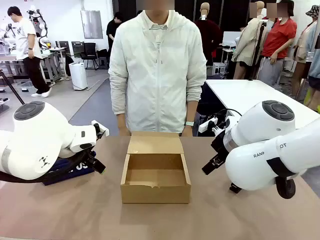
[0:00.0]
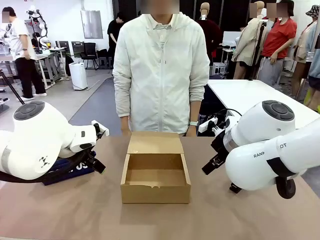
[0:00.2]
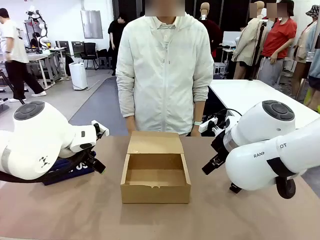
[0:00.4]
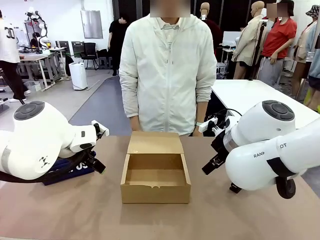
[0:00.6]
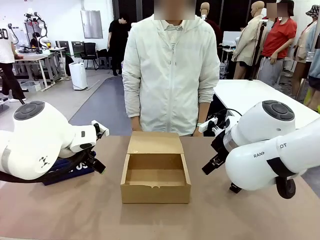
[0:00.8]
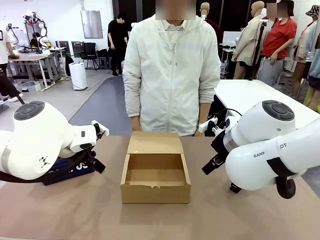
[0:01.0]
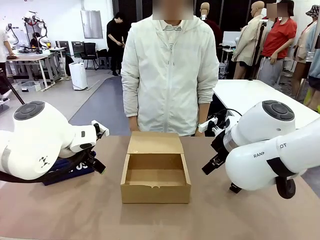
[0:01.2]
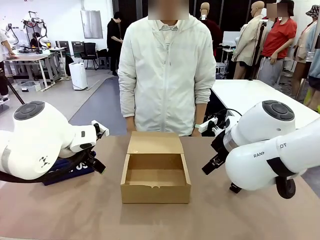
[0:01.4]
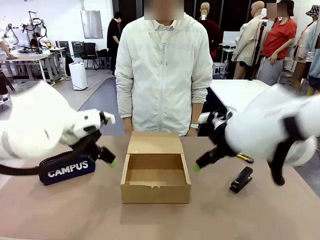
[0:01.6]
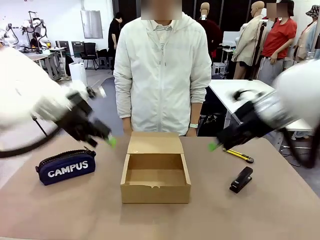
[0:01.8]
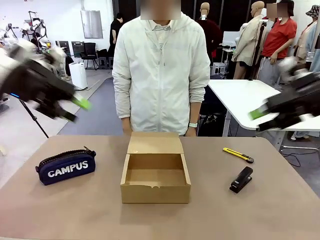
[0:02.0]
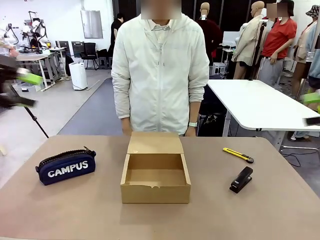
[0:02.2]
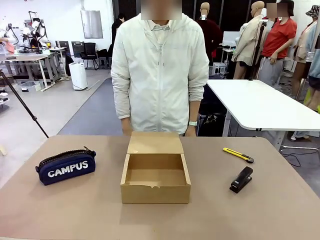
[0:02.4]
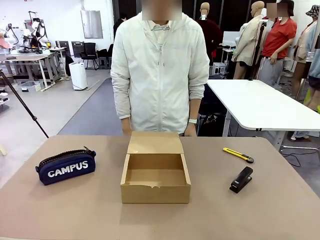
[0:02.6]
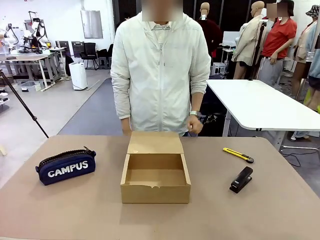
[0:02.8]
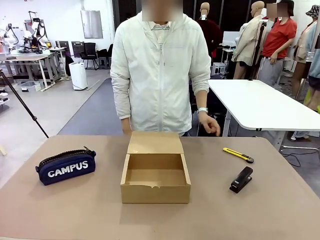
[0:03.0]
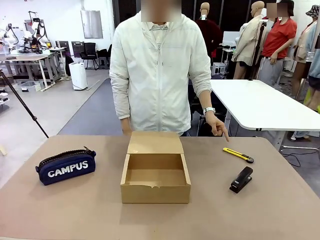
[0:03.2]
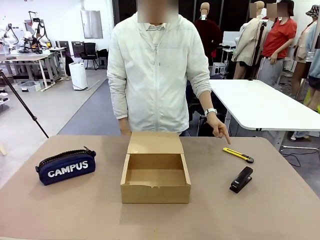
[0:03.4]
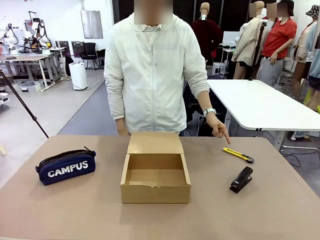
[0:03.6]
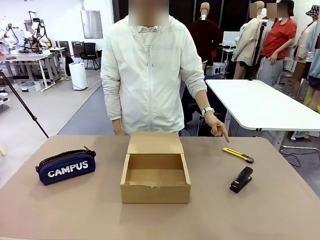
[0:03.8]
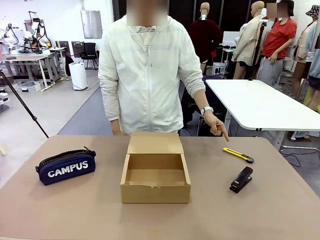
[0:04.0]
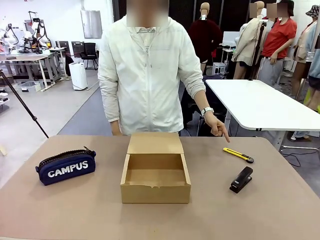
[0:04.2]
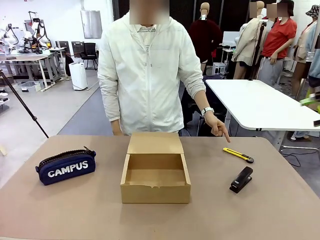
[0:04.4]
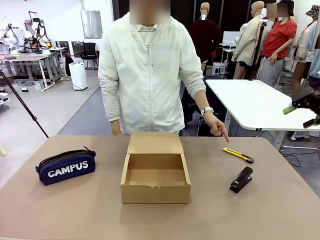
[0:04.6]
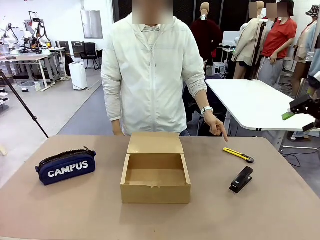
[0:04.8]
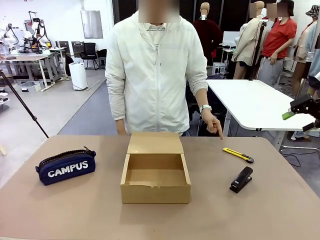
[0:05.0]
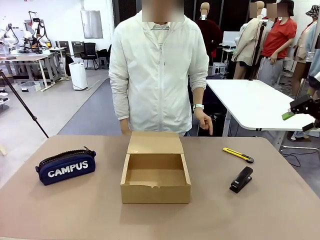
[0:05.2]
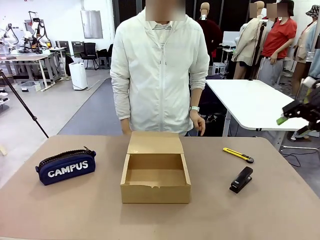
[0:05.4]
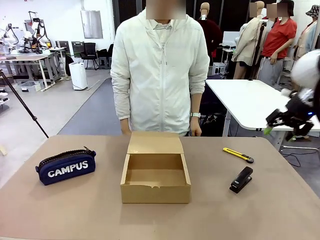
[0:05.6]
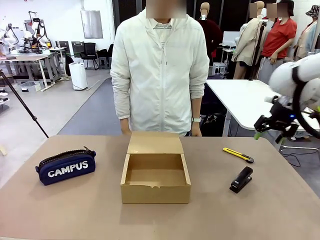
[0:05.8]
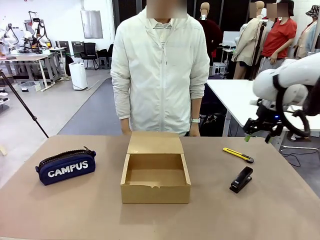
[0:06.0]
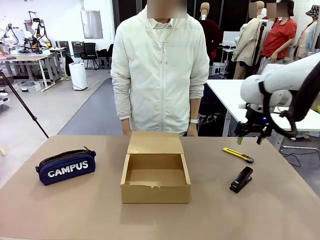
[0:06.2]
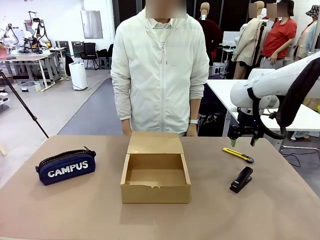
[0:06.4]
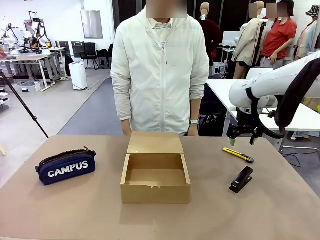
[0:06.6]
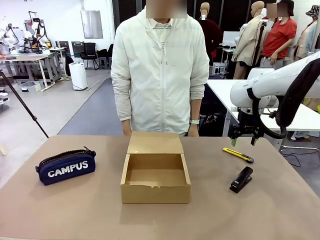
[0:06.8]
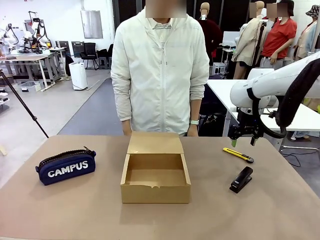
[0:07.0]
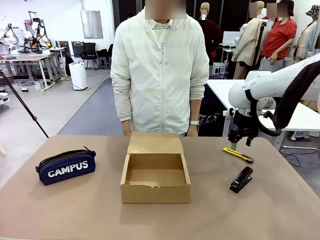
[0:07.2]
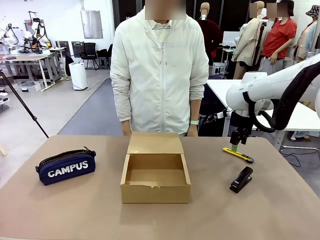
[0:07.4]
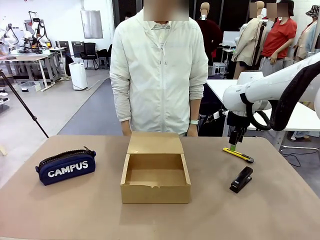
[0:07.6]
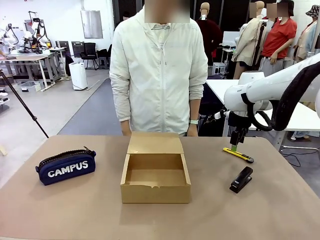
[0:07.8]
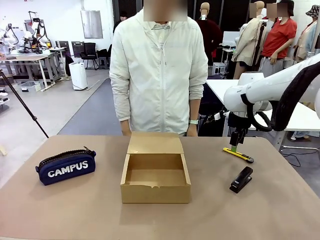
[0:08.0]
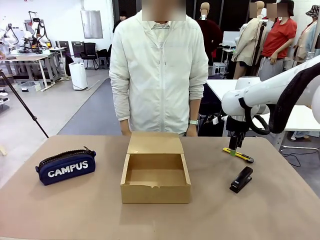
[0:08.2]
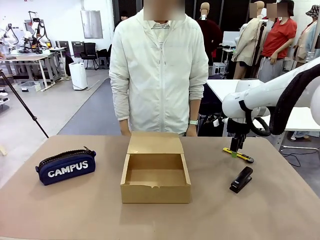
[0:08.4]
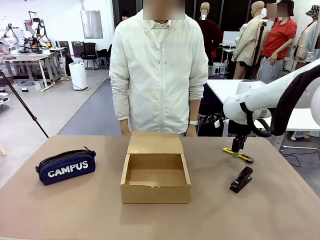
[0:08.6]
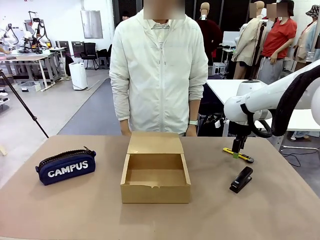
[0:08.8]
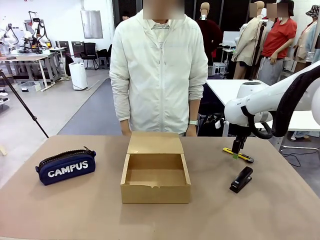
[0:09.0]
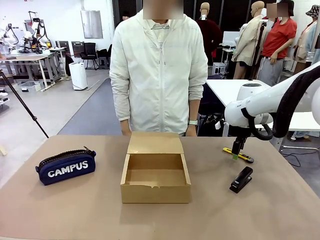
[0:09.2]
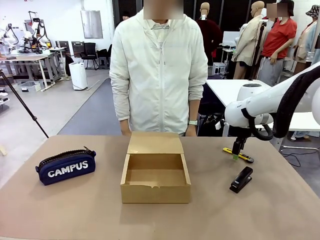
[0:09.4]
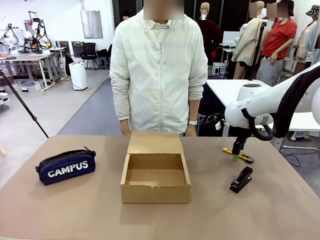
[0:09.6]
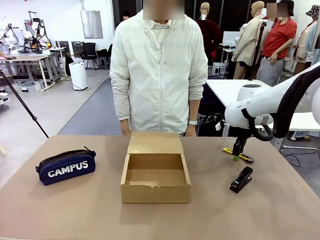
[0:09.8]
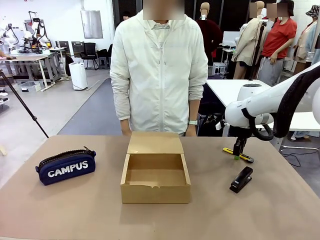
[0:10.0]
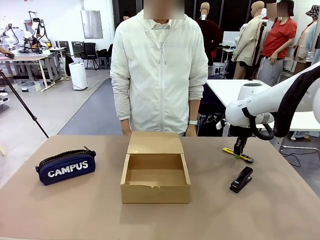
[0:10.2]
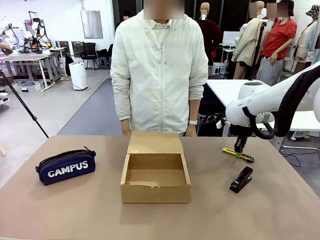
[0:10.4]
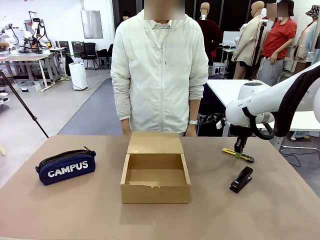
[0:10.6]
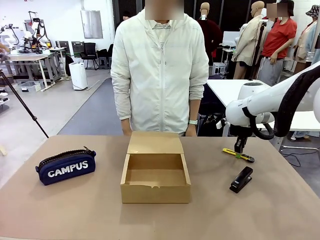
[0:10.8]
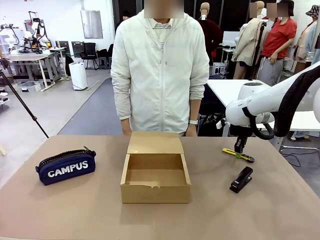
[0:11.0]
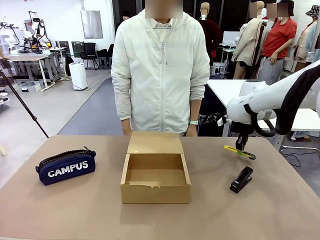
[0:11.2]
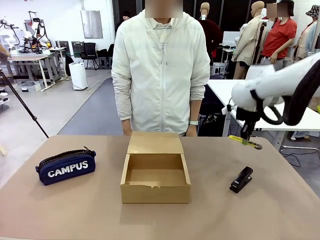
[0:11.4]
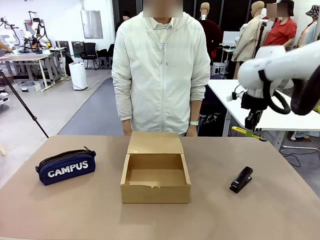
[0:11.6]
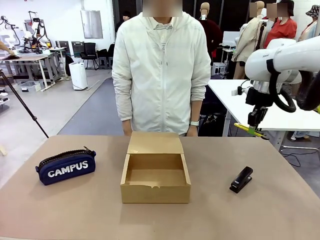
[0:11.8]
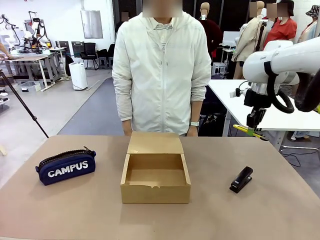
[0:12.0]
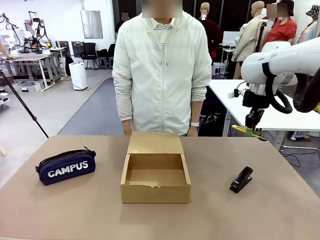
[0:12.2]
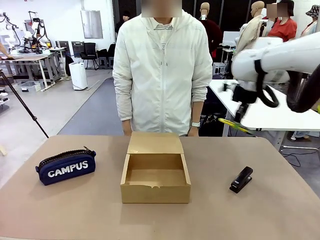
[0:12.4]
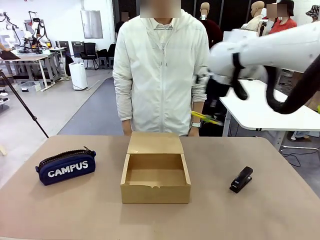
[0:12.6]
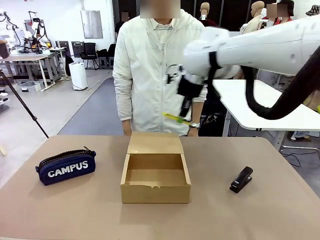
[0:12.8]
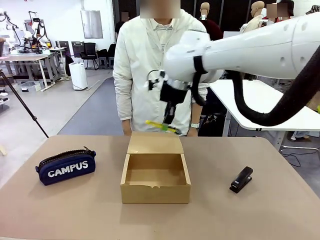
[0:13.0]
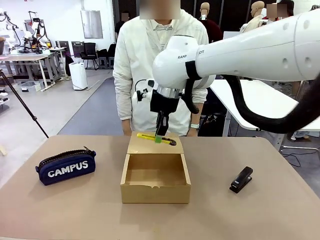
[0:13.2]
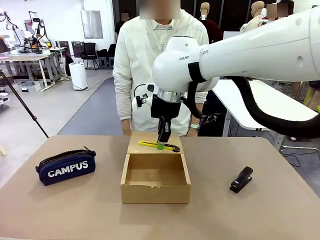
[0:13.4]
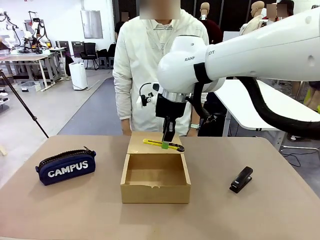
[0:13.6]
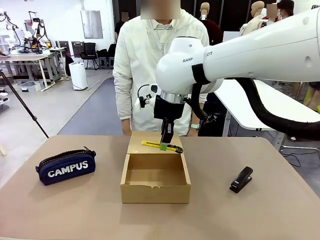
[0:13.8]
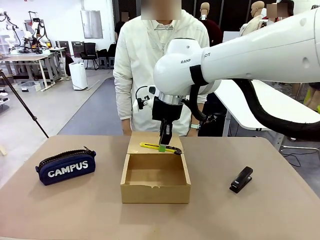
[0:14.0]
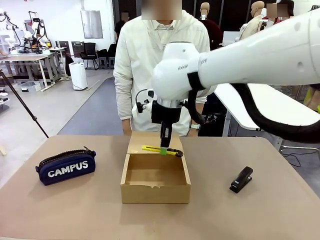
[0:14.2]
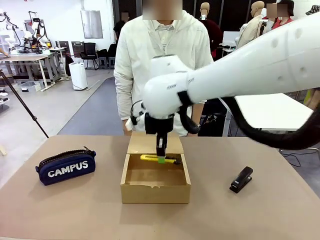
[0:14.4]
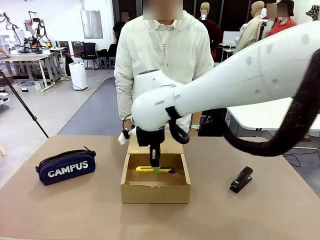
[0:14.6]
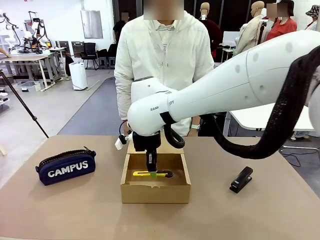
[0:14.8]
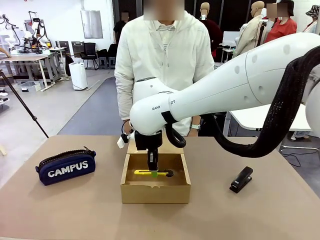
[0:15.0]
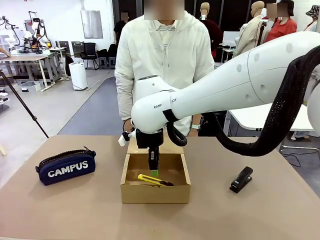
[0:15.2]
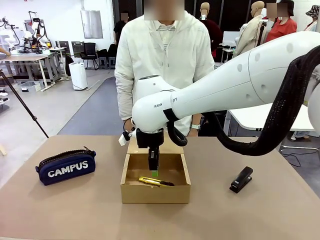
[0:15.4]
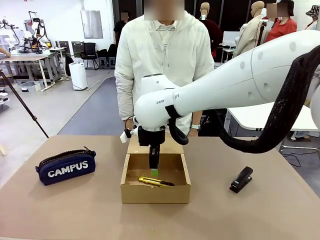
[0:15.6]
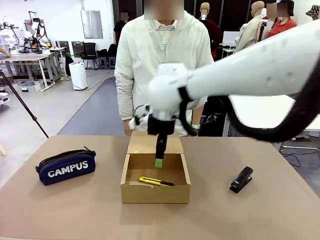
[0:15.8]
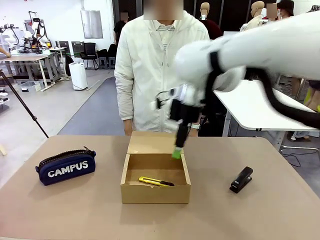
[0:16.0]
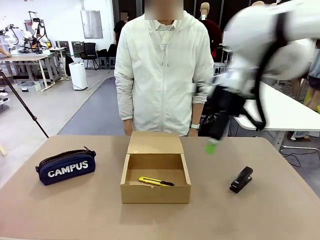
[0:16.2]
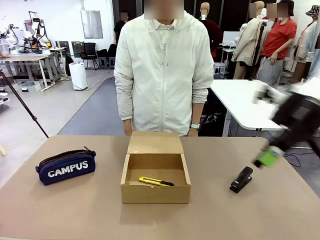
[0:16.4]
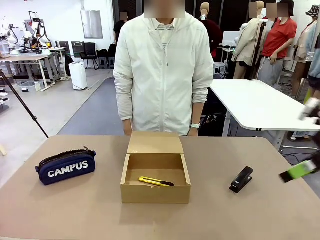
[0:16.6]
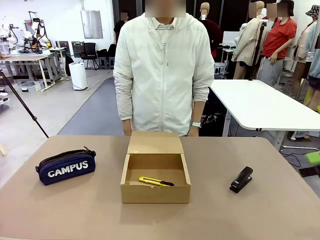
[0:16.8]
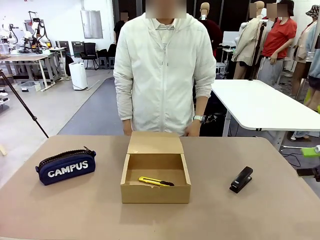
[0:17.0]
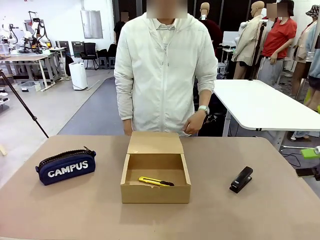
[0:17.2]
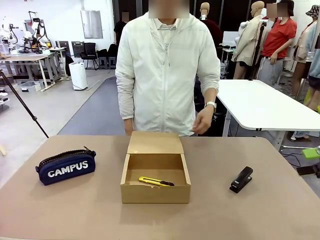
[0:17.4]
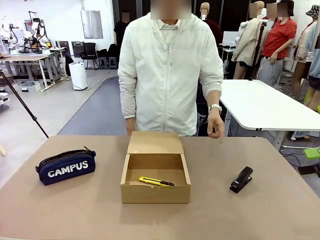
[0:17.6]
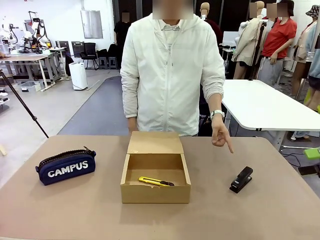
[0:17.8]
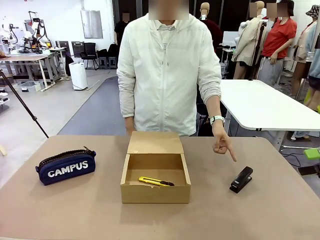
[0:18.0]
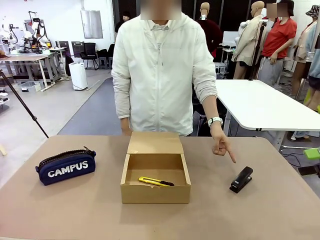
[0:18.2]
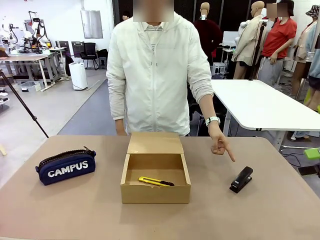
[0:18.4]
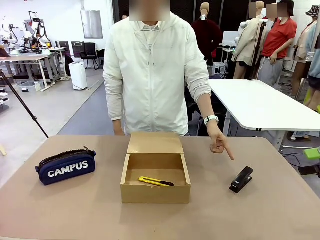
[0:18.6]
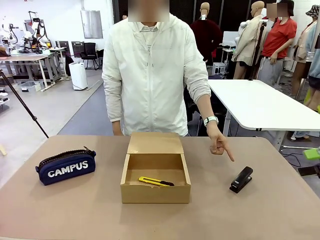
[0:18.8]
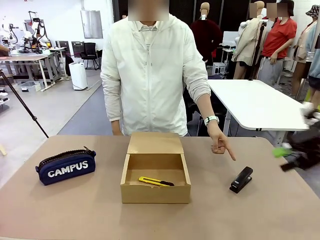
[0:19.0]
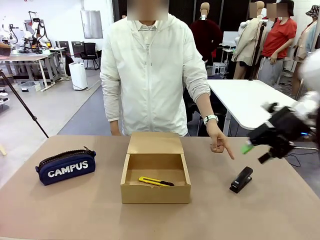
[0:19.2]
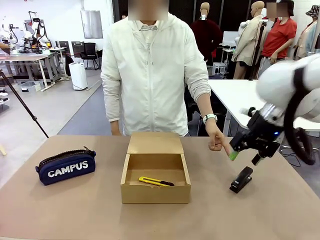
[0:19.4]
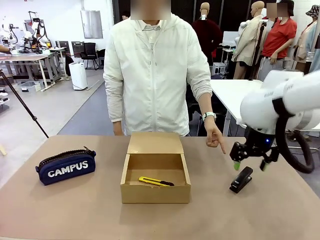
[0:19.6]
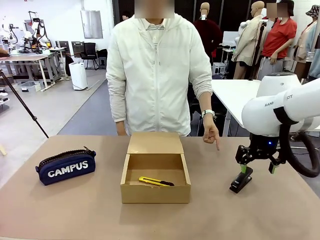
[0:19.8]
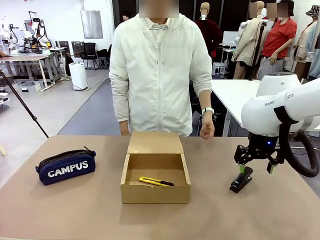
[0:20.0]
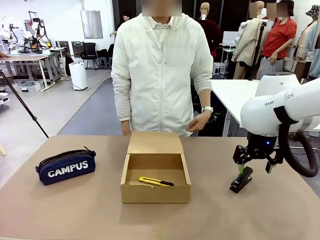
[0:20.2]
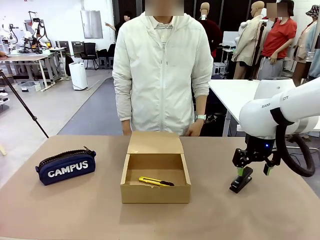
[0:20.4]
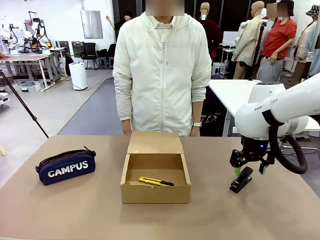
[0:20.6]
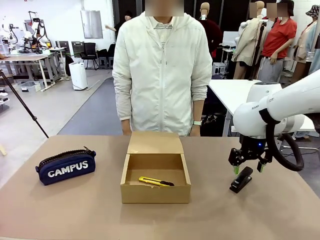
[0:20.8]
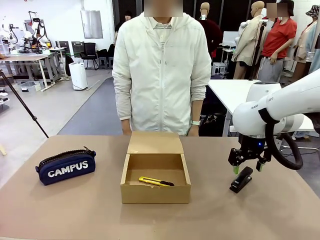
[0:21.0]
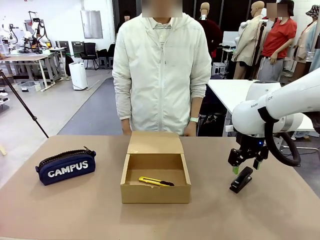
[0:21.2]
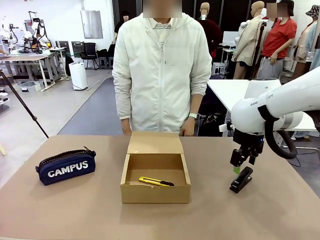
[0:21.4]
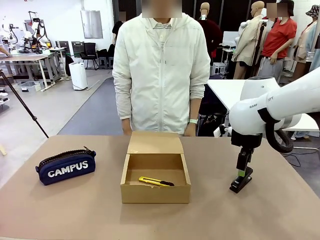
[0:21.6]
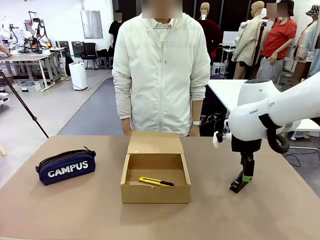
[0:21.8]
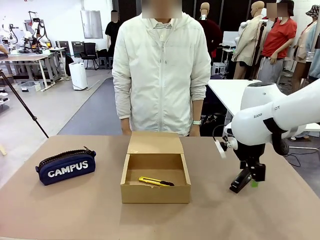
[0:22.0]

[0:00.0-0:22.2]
Task: Pack the items into the box.
Robot: Pick up the item indicated by the person and place it inside the Mailer Box.
Person: Point at one item on the table (excluding the box).
